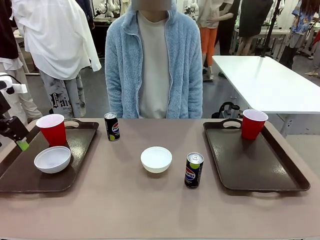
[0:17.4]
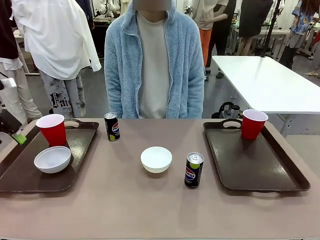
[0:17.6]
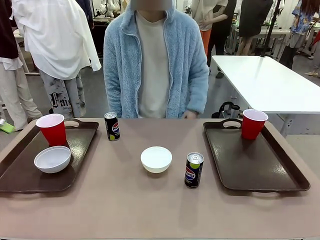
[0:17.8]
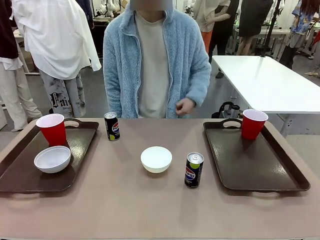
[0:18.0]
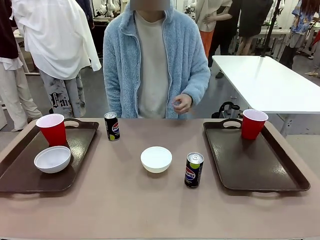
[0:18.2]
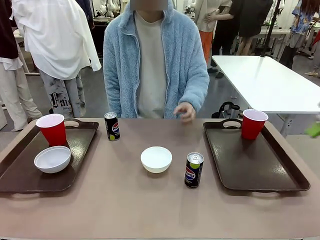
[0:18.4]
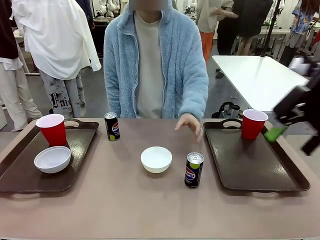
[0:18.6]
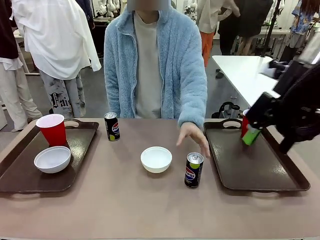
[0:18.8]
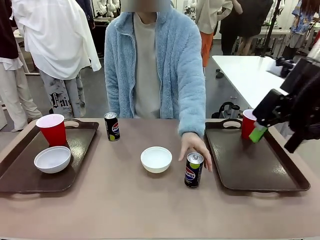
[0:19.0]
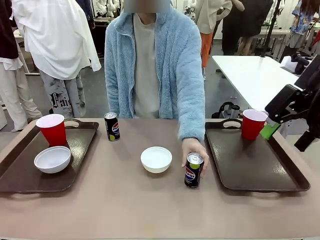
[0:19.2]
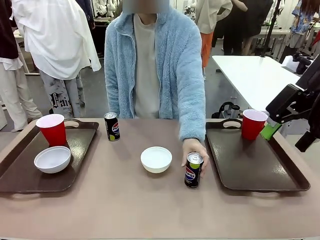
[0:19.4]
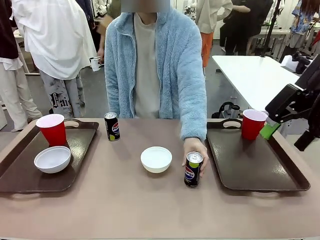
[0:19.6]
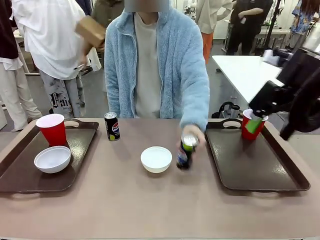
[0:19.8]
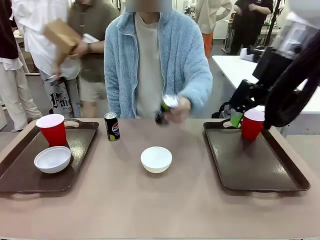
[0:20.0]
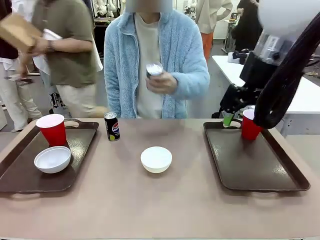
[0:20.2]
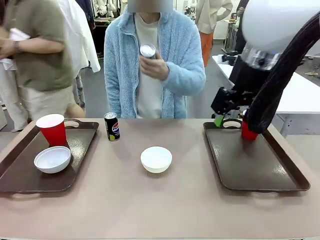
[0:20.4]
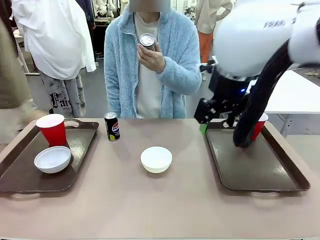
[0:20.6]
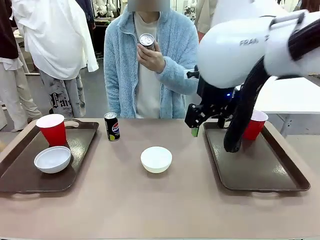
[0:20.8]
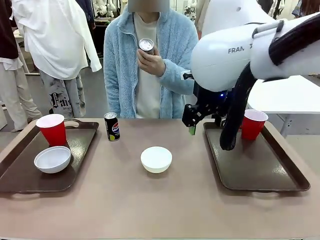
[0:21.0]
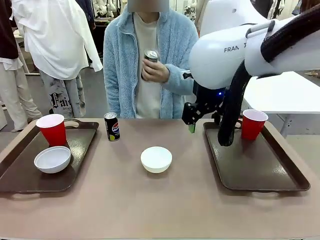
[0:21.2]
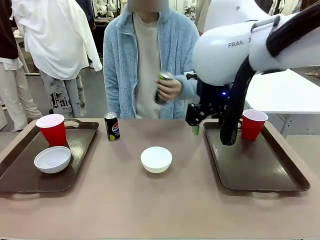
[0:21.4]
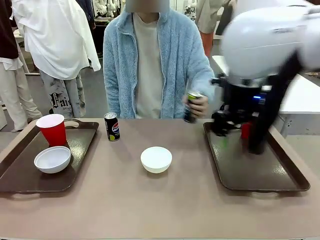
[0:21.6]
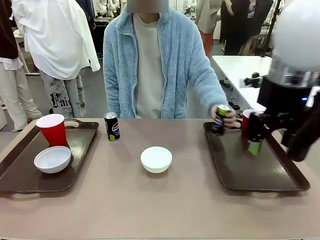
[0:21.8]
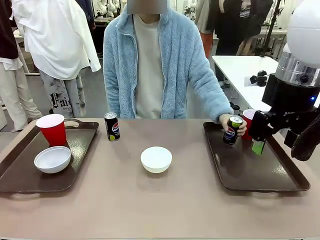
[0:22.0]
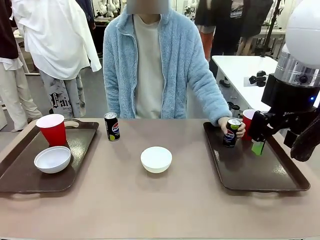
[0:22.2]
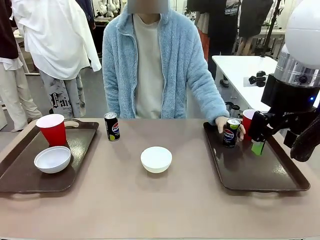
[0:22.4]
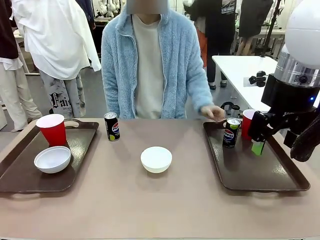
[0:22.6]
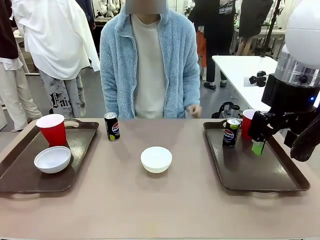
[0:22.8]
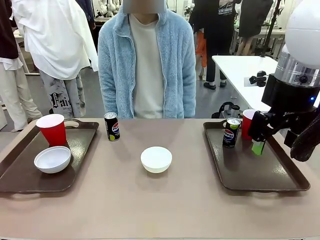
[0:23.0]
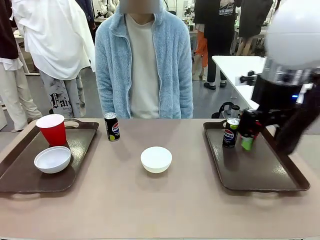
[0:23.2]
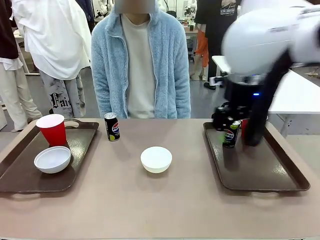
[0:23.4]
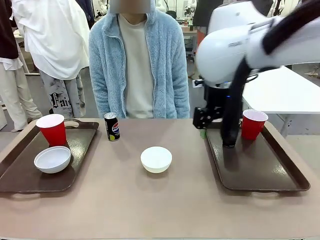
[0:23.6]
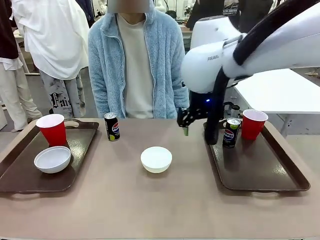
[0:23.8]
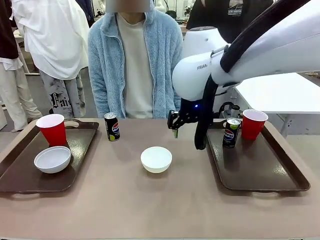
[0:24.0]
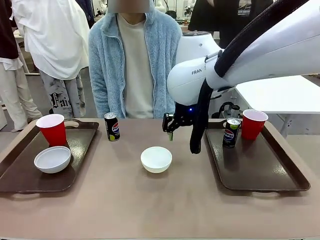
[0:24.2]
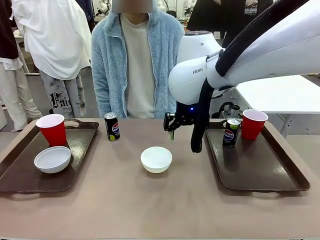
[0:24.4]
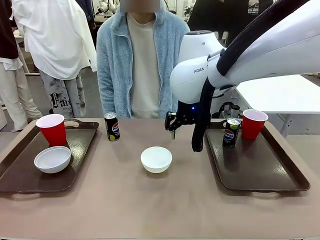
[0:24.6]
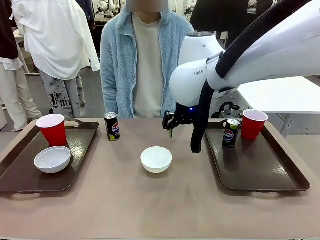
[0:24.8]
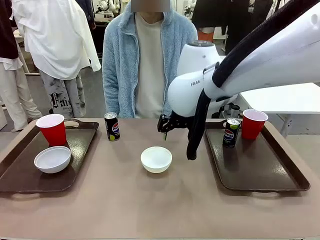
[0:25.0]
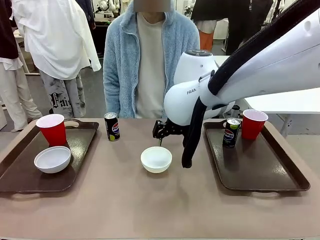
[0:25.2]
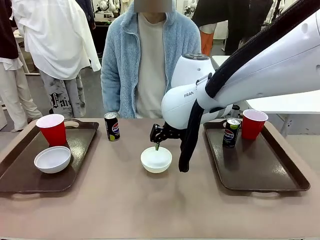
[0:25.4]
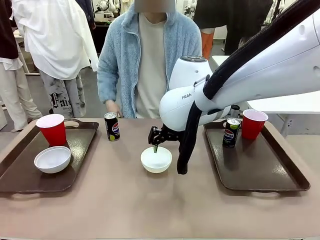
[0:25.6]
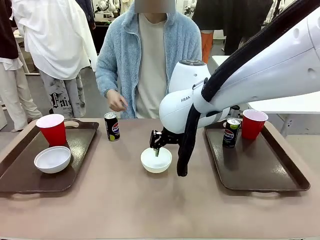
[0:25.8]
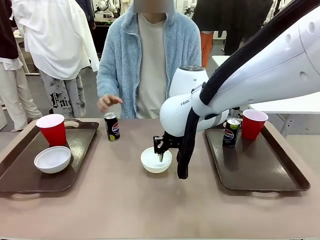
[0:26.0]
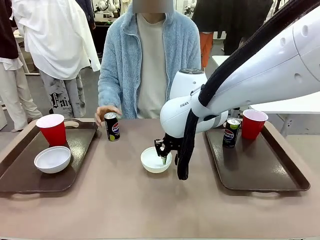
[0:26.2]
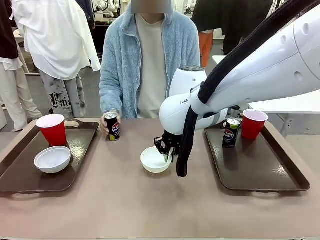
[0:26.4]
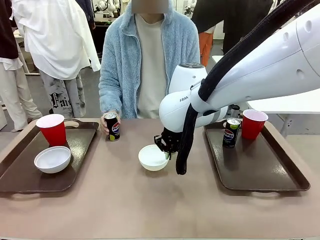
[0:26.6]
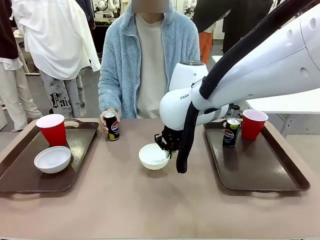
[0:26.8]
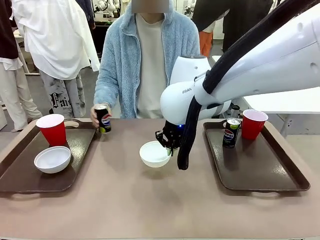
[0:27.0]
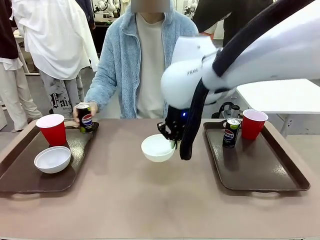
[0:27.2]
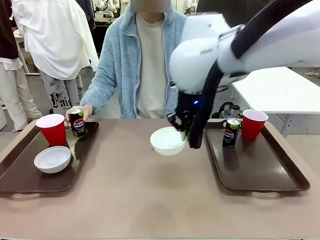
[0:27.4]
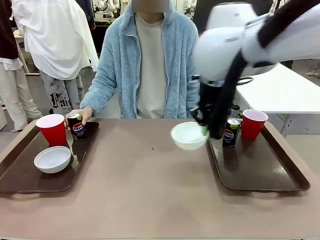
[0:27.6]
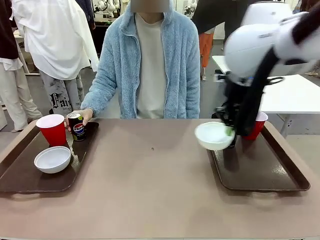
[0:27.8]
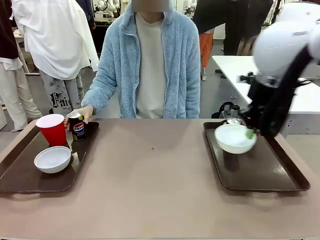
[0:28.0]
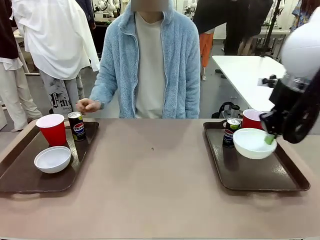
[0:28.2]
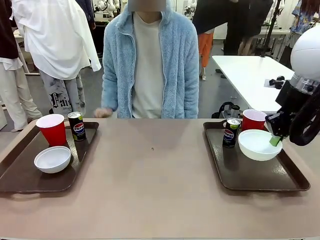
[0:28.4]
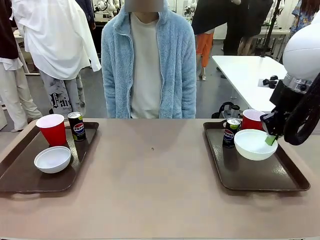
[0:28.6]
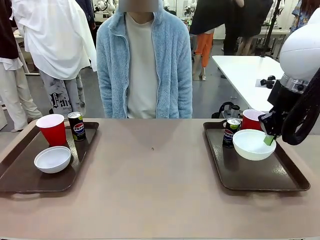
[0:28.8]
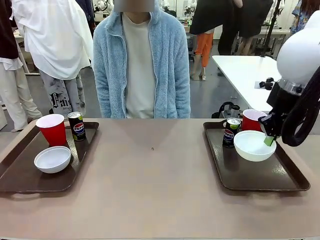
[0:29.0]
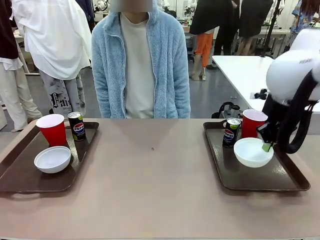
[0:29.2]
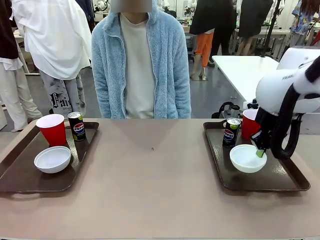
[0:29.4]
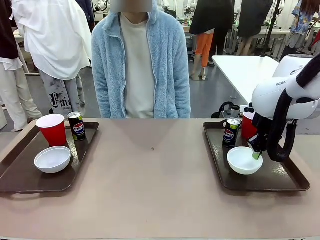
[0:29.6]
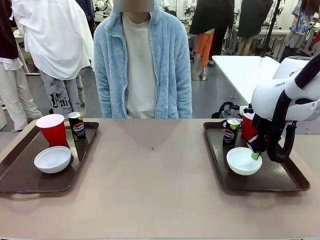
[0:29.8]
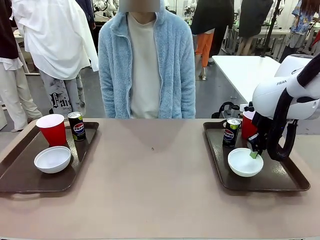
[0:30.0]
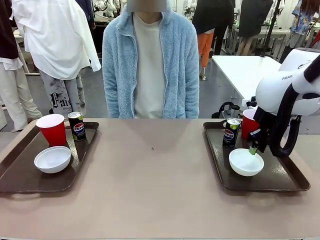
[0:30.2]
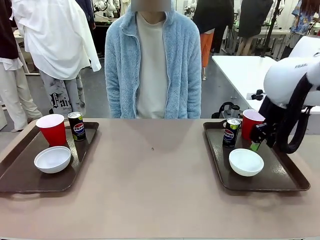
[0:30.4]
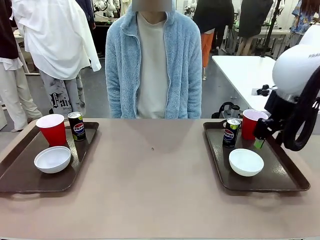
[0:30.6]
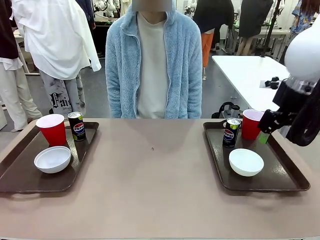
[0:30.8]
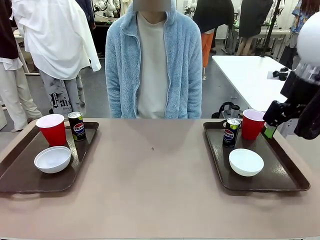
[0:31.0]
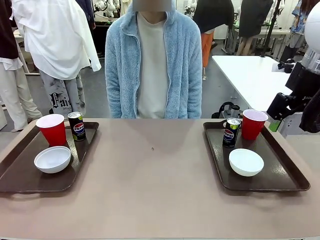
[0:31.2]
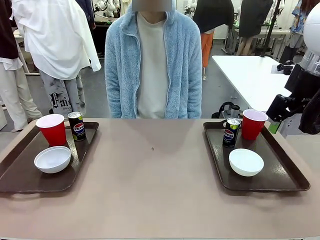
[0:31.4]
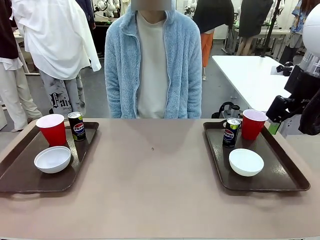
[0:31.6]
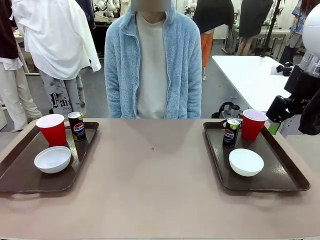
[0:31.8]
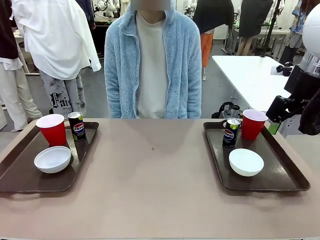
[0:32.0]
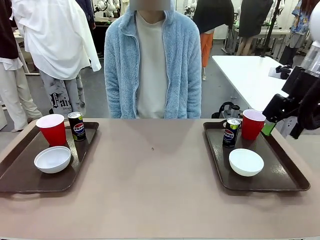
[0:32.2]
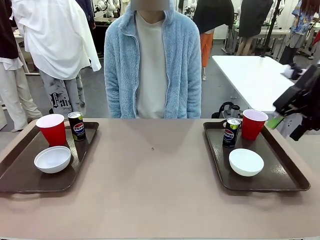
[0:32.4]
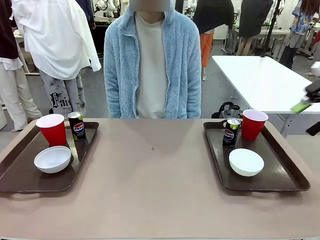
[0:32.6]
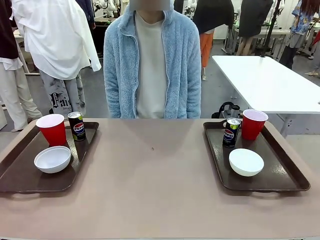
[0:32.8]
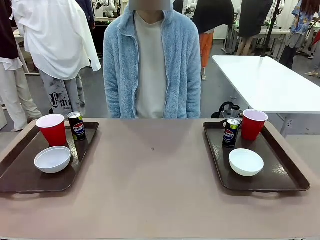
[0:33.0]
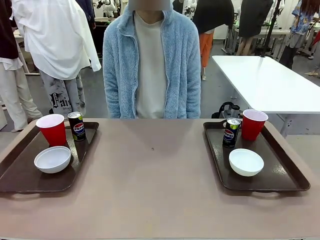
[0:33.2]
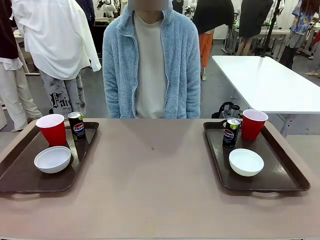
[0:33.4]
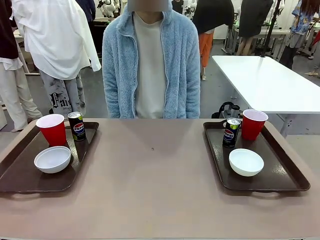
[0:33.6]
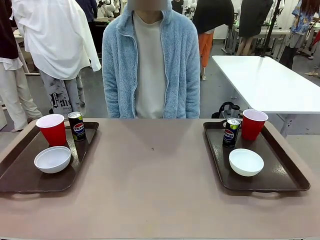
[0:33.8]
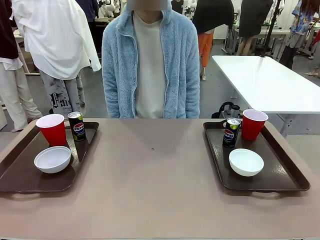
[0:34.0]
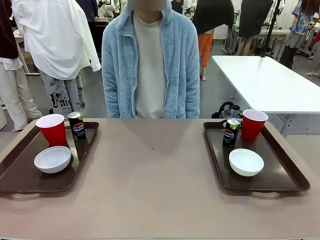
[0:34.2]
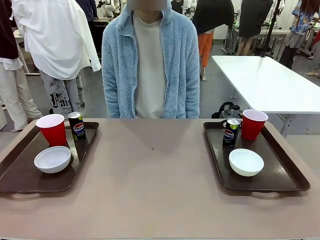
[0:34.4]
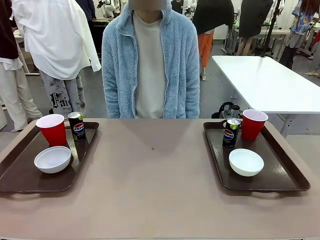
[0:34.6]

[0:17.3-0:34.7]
Task: Prepare tableware on both trays.
Robot: Pick up a Picnic Bowl from the table and place it on a Handle tray.
Person: Pick up a can or cup and place it on the tray without a can or cup.
